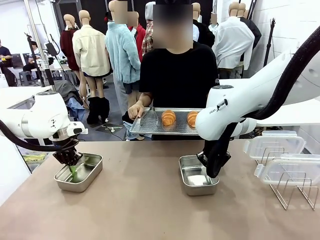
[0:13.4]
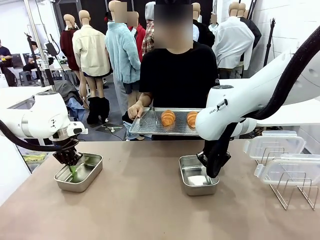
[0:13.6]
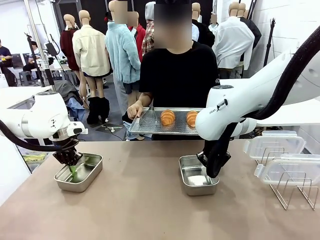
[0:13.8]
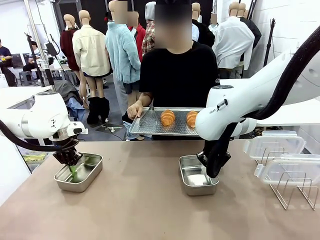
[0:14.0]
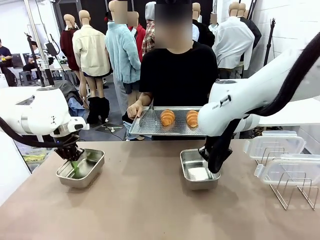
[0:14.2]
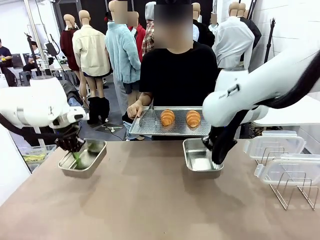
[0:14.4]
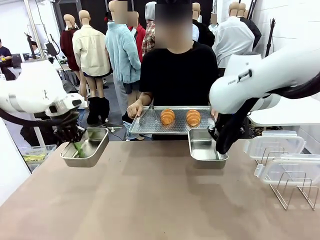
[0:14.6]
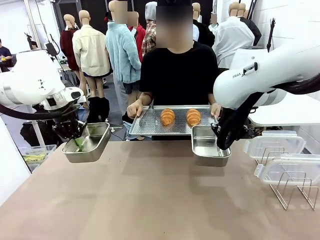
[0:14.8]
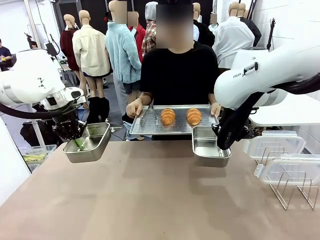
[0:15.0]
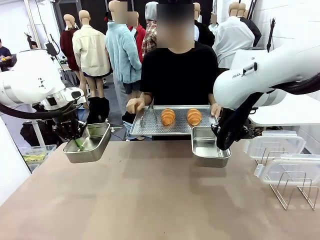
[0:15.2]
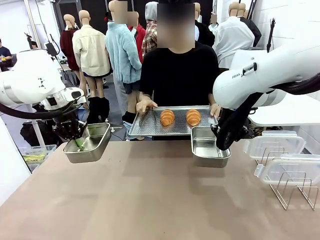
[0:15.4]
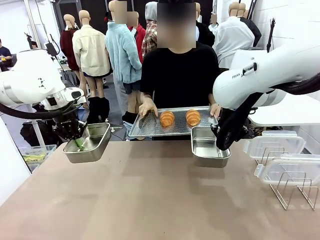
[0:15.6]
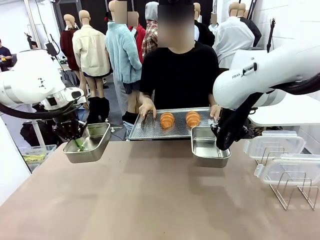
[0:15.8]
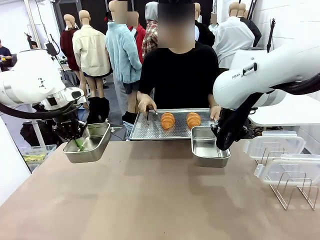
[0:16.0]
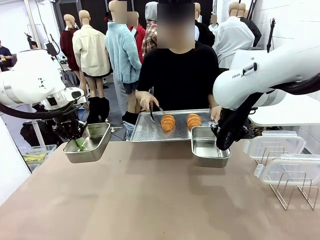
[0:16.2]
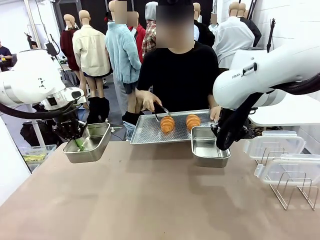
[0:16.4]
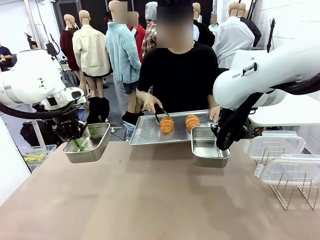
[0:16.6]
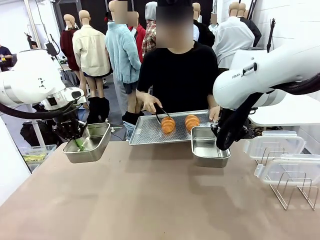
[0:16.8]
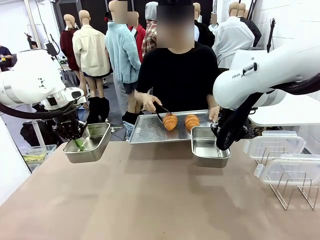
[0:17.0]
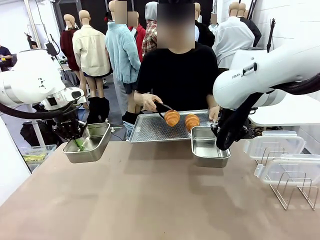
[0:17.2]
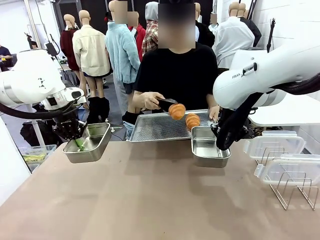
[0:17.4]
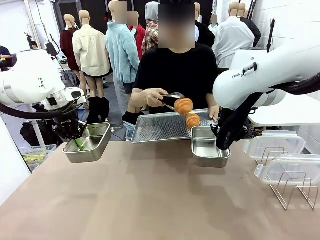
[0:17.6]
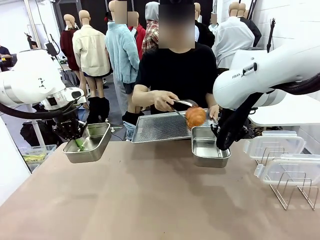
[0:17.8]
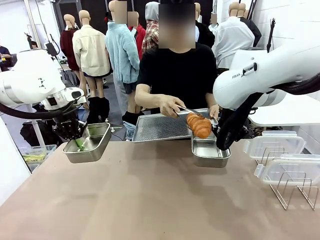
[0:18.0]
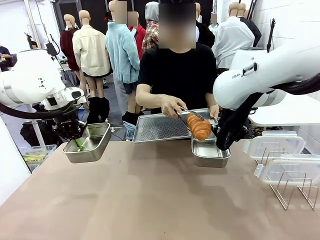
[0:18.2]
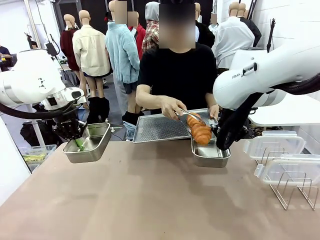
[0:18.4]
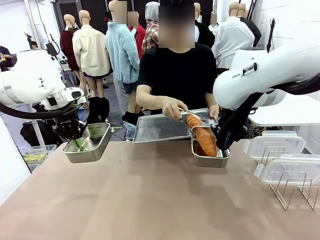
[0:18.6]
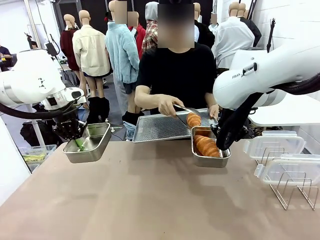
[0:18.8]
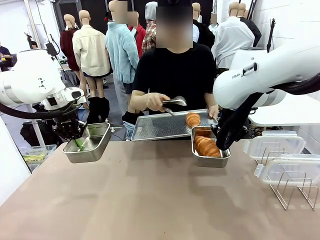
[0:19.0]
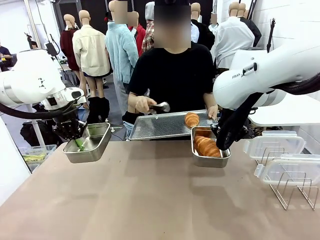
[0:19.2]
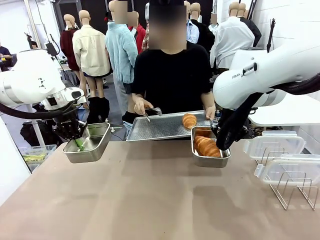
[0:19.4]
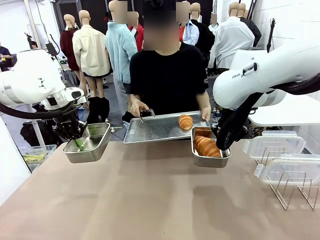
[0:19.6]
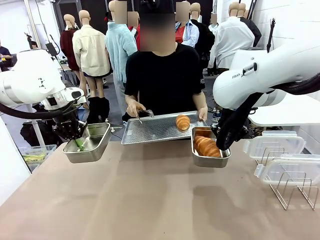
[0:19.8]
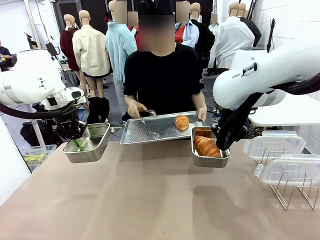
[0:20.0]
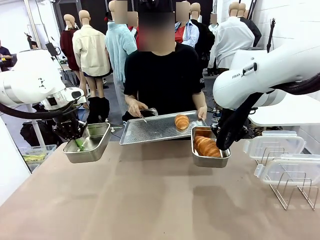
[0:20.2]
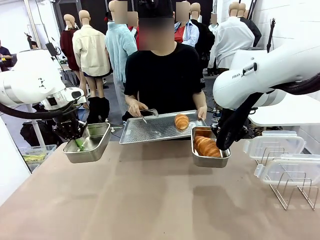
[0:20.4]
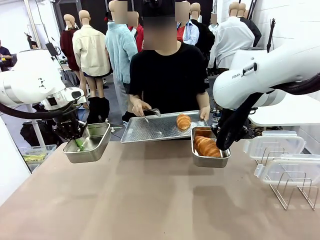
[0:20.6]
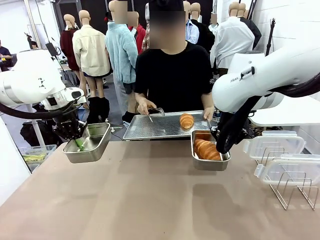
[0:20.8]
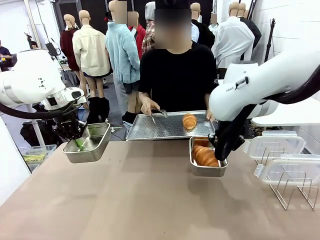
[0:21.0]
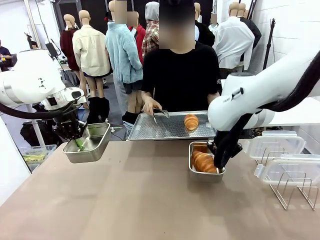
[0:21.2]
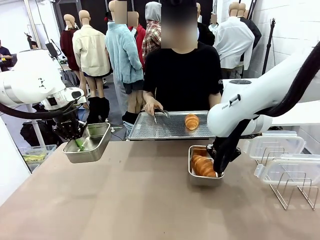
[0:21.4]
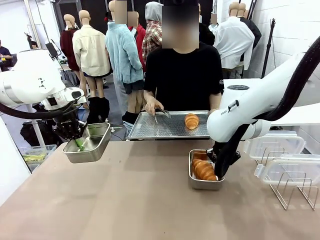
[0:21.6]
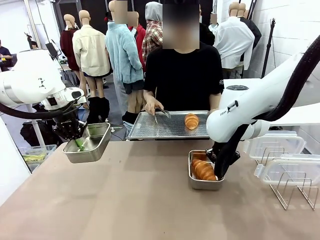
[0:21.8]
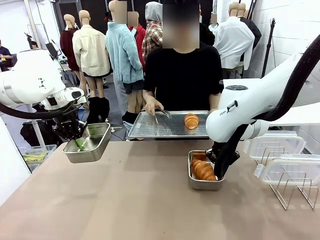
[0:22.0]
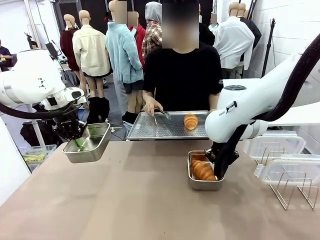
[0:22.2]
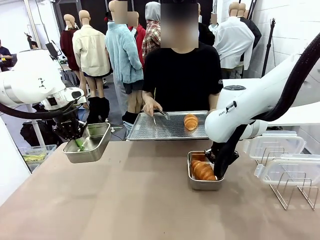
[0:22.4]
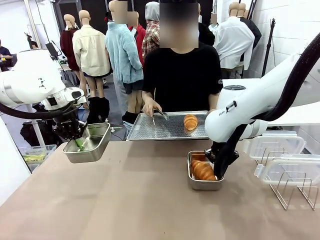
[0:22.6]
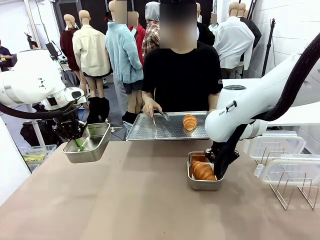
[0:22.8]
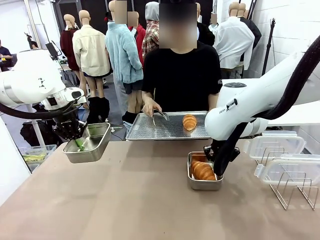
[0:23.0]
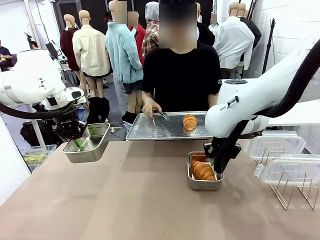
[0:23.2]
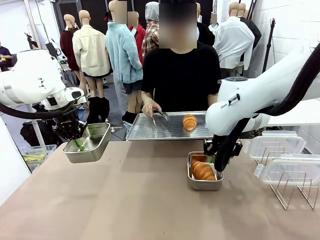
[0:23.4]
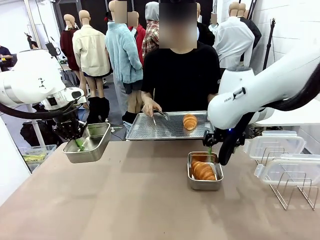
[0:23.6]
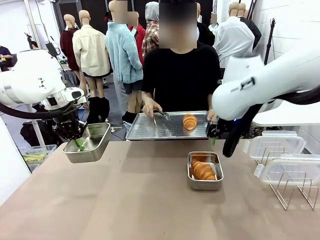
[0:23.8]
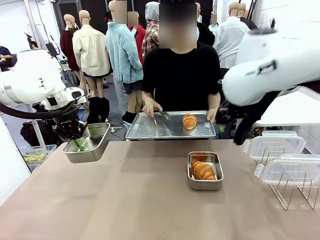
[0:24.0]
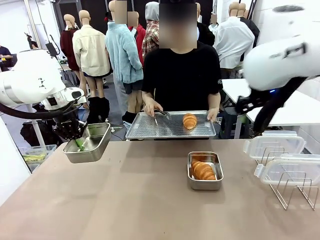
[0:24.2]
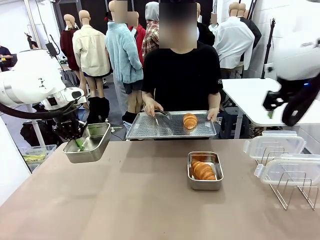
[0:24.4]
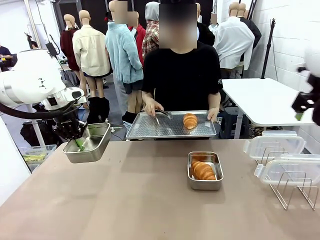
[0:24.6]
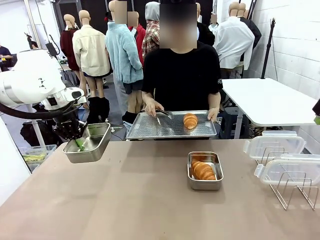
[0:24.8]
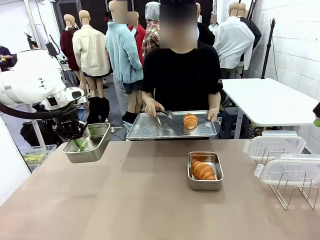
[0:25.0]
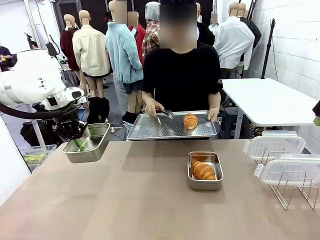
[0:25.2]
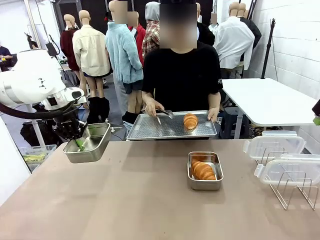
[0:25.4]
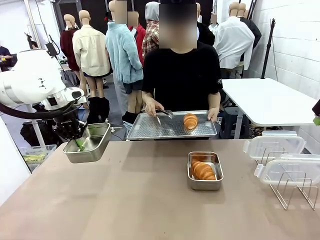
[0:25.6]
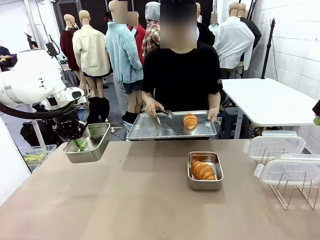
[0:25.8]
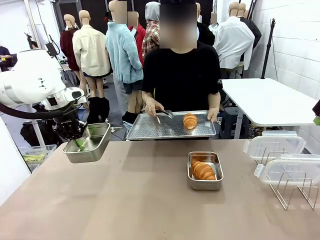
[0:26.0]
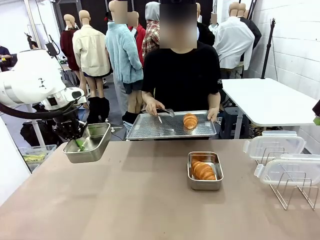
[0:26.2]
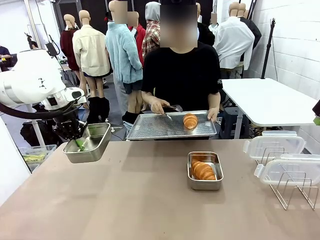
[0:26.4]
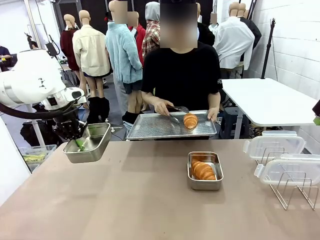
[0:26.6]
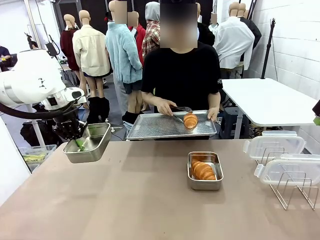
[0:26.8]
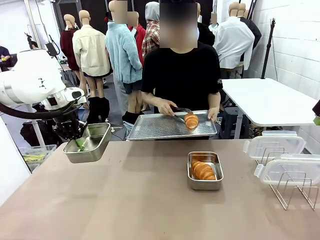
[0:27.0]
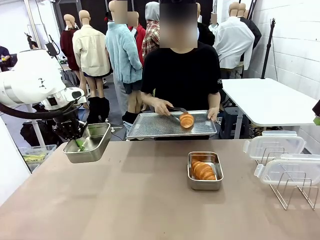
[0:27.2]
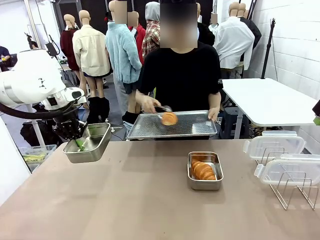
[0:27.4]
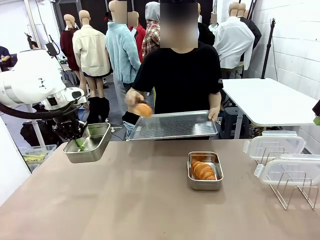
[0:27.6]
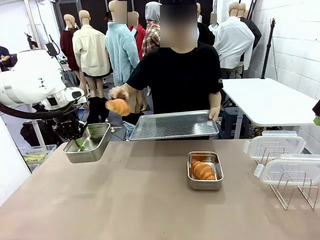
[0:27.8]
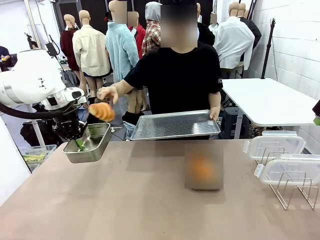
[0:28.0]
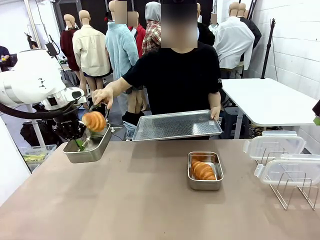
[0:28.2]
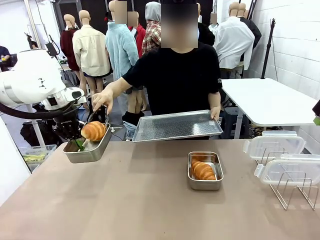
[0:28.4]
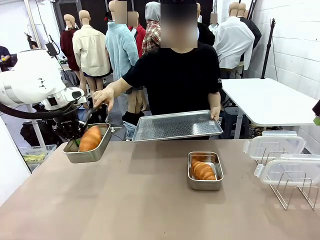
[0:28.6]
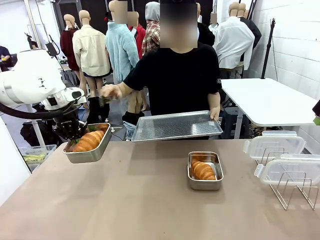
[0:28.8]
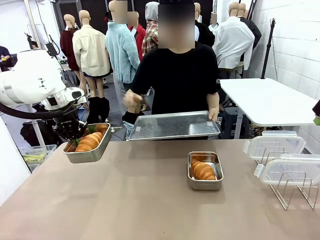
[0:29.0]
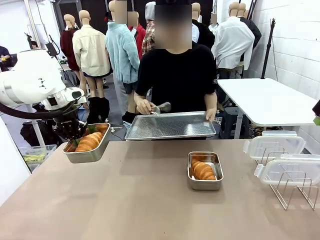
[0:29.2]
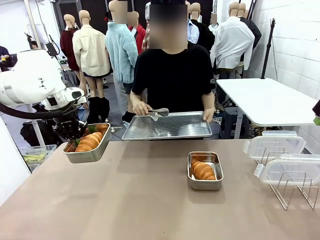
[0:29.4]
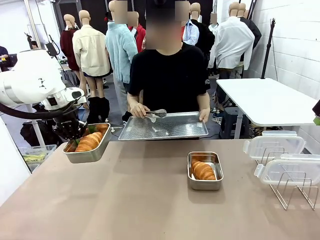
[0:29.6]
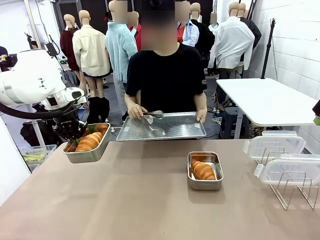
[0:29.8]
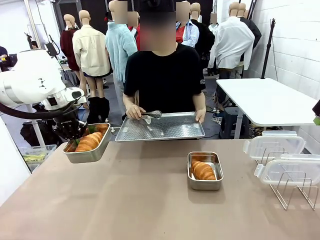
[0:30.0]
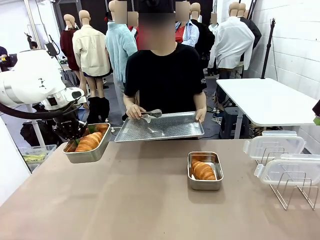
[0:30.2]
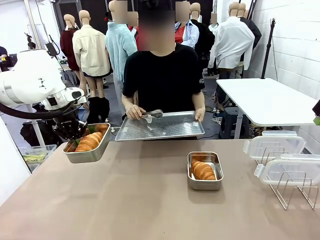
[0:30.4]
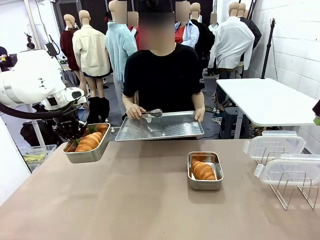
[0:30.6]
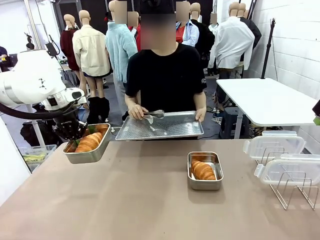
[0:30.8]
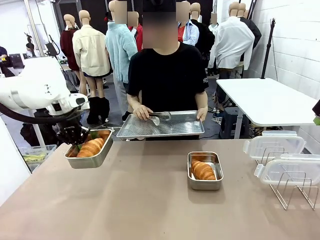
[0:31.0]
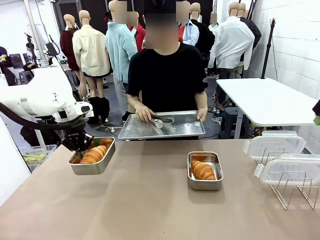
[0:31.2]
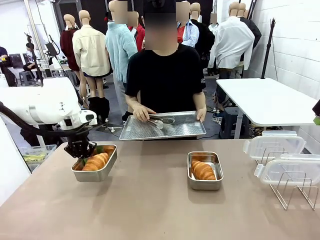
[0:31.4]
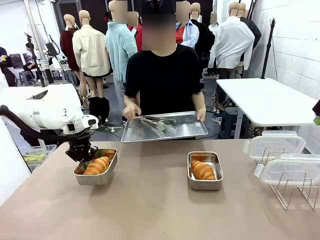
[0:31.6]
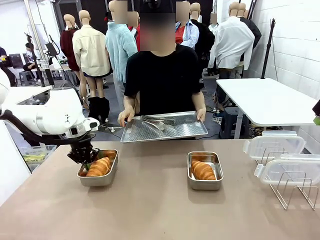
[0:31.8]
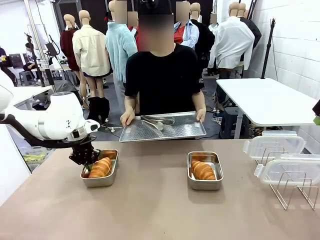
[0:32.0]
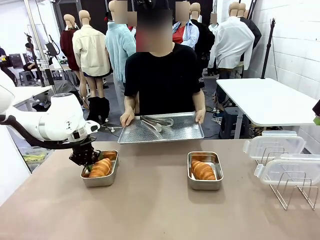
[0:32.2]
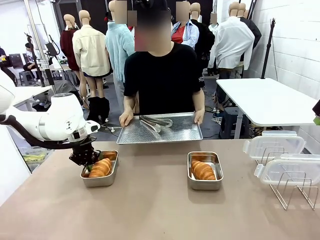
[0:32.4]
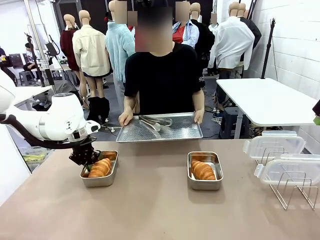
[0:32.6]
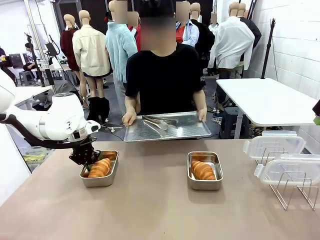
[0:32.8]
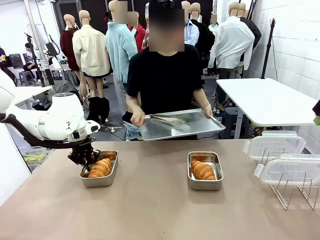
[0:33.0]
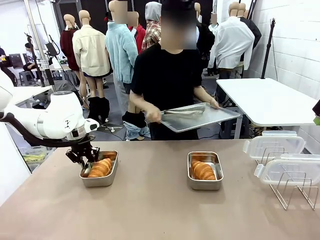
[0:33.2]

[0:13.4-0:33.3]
Task: Place the bread in airtight containers.
Robot: Once an object is inside an Airtight Container , place the container in the center of the table.
Person: Use the Stainless steel tongs to place one object from Baking Sheet into one Airtight Container.
